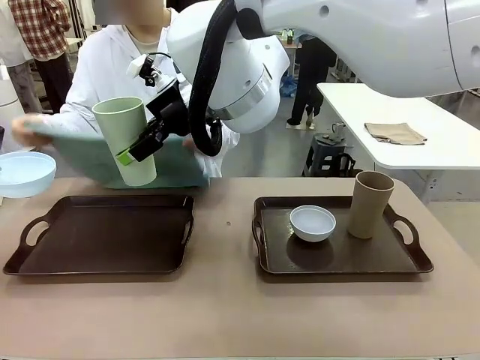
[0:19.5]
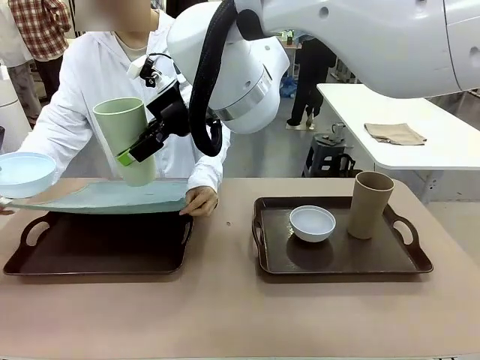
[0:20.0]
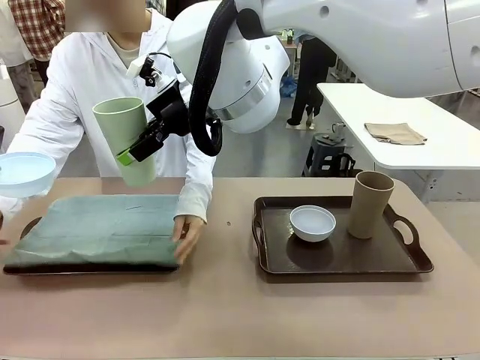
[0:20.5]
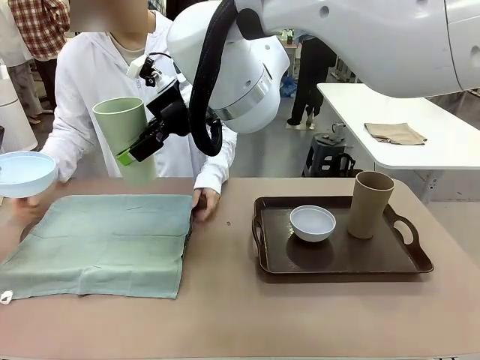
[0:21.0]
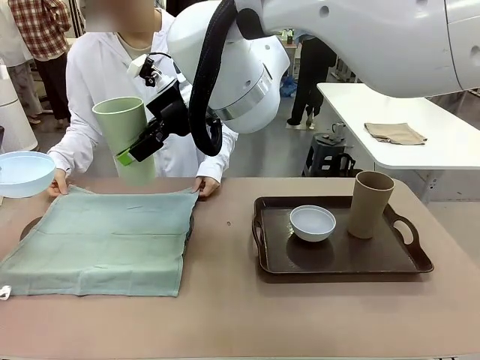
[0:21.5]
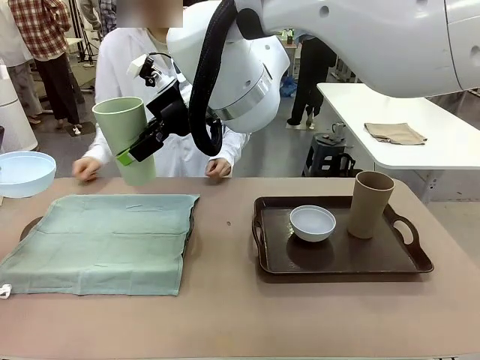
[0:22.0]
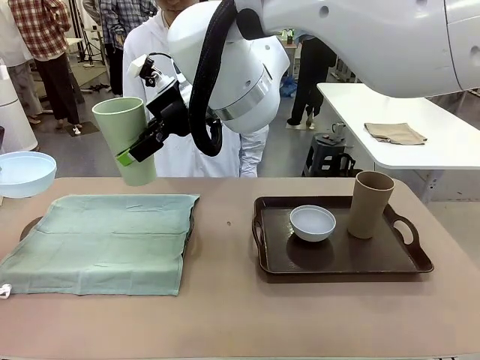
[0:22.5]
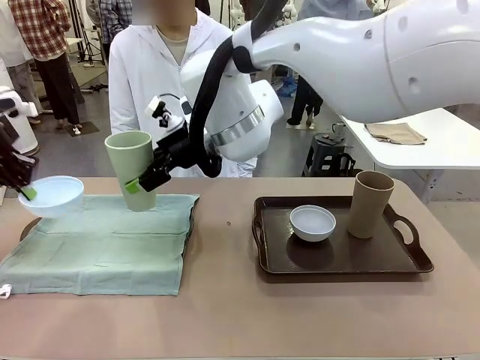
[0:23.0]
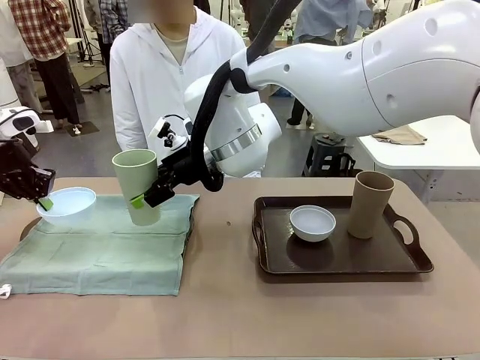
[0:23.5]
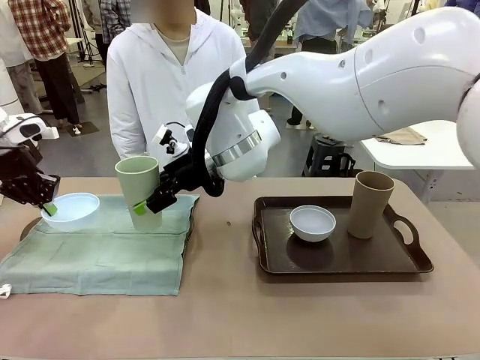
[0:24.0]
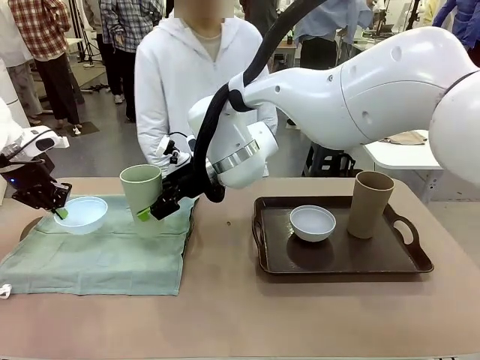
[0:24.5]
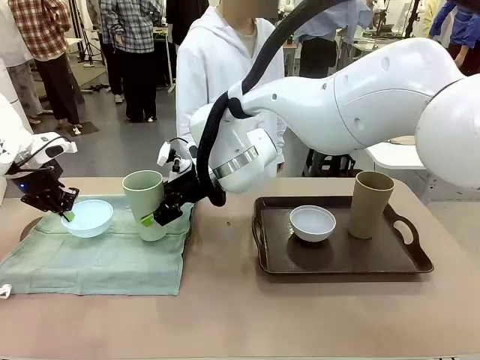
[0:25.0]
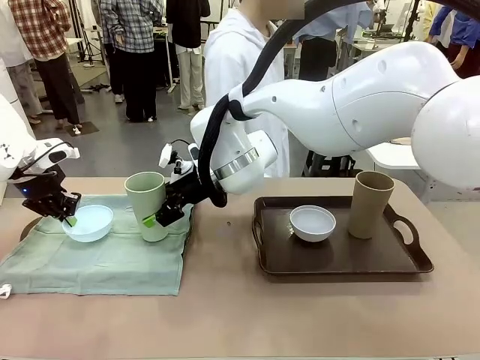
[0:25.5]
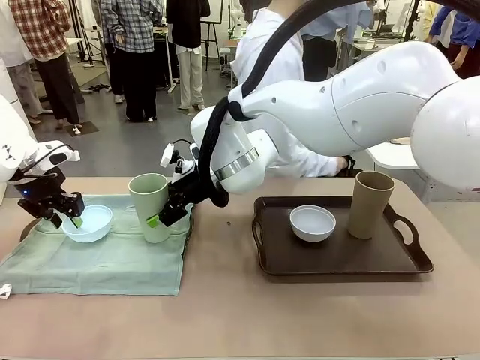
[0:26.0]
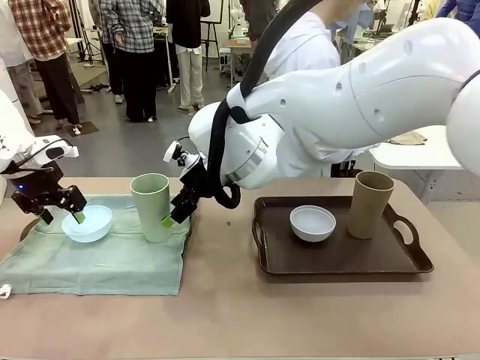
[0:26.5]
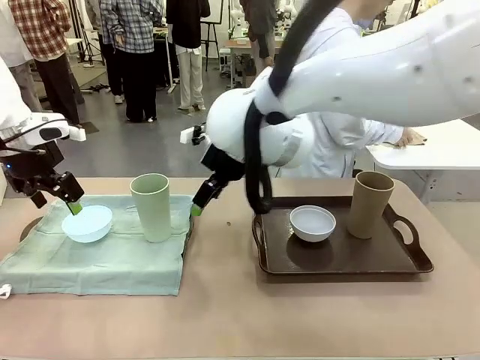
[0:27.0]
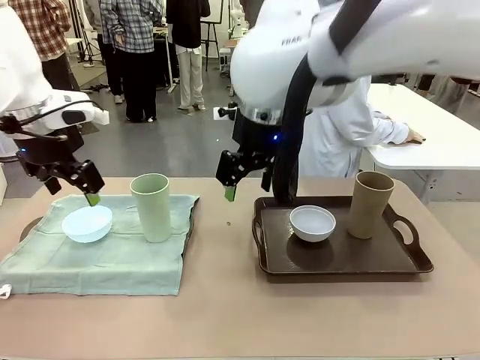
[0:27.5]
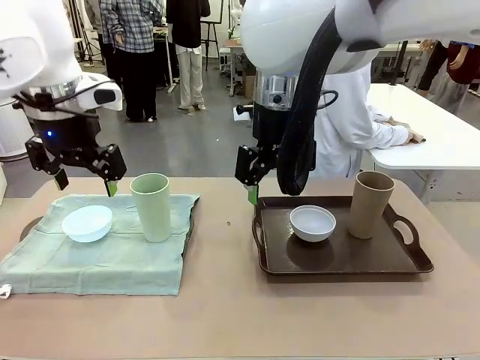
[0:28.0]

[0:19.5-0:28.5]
Robot: Place the Picnic Bowl and Reusable plastic cup back onto the Handle tray in front of the human's position.
Person: The human returns to the human table to pick up another napkin and walks to the robot table to stand in front of the tray without a napkin.

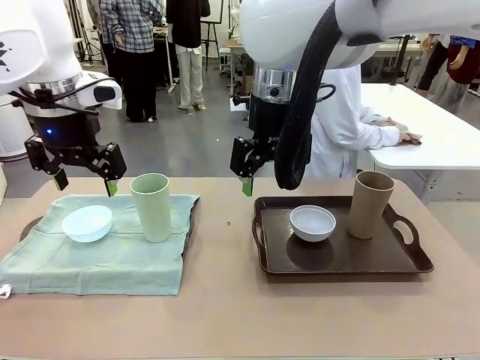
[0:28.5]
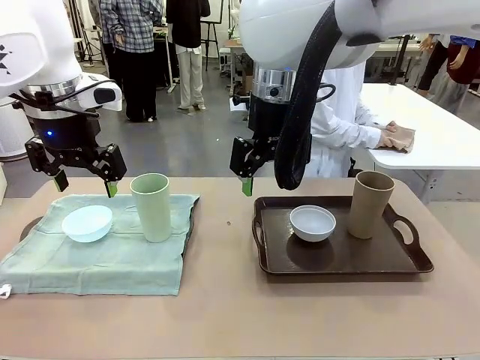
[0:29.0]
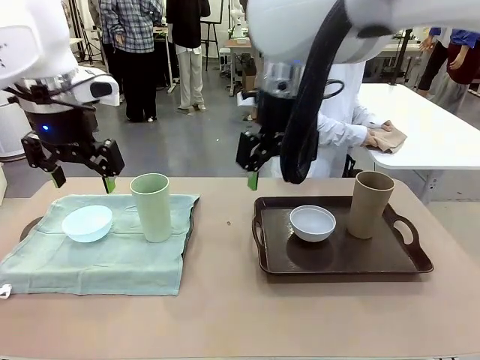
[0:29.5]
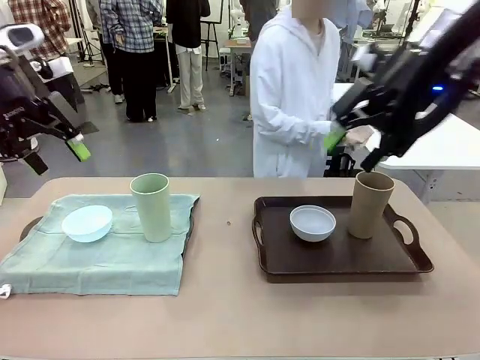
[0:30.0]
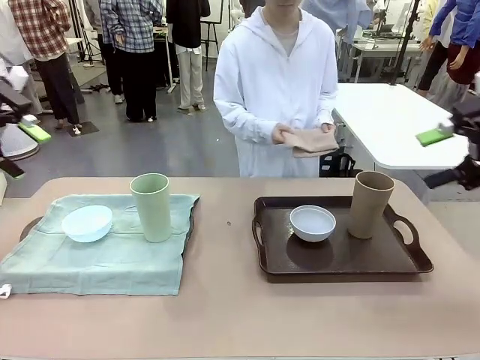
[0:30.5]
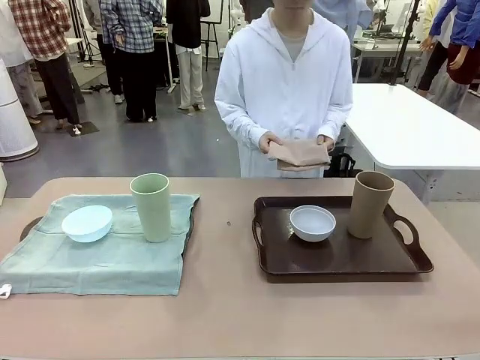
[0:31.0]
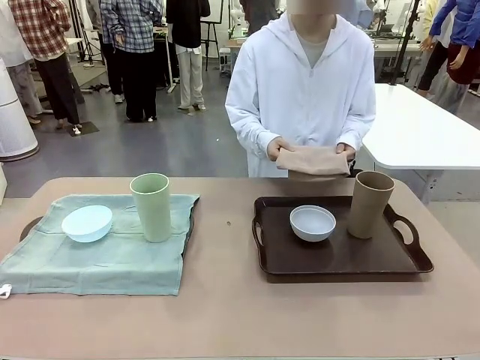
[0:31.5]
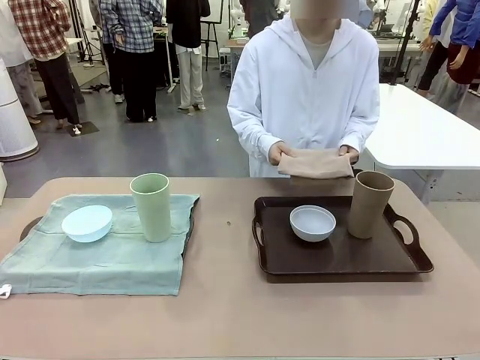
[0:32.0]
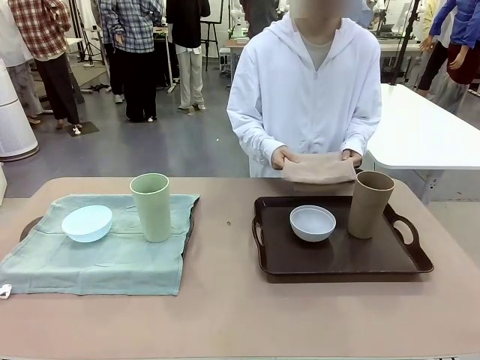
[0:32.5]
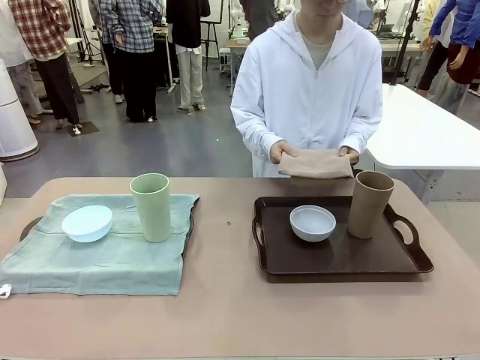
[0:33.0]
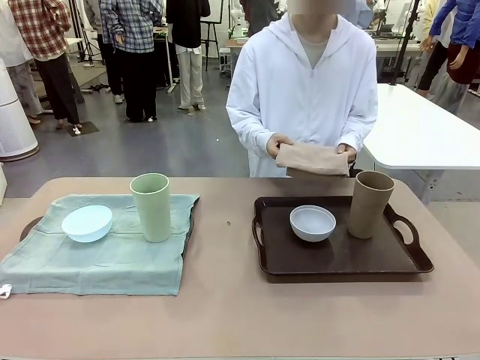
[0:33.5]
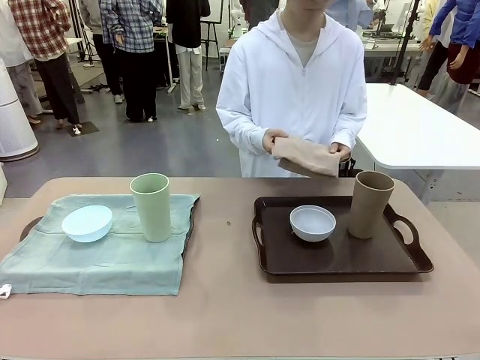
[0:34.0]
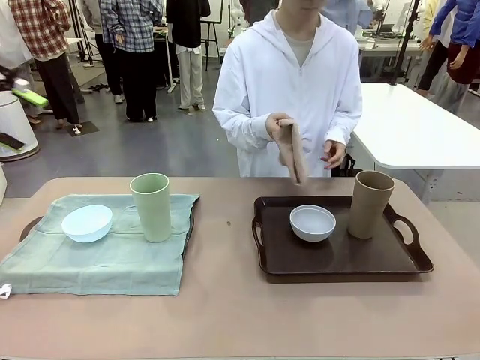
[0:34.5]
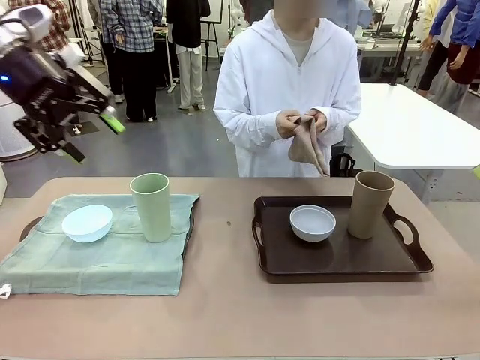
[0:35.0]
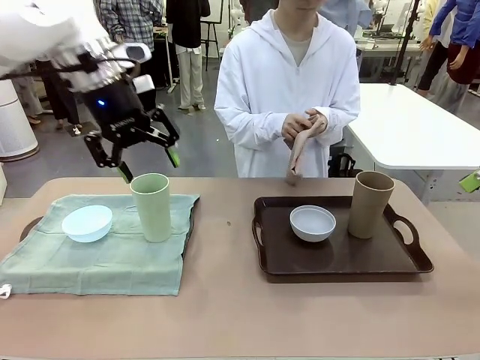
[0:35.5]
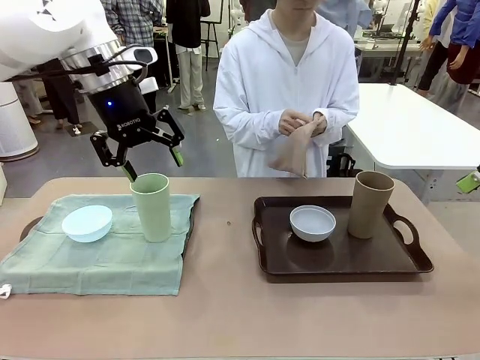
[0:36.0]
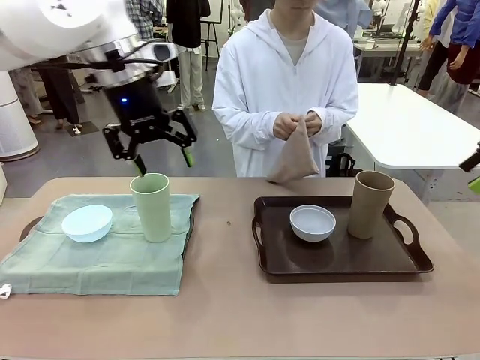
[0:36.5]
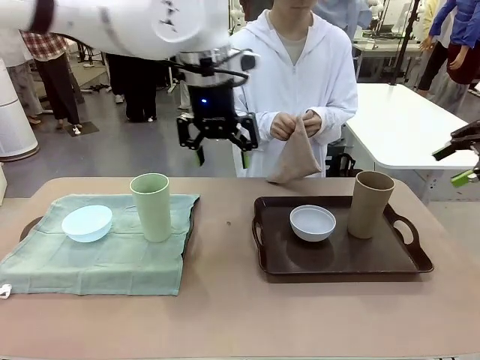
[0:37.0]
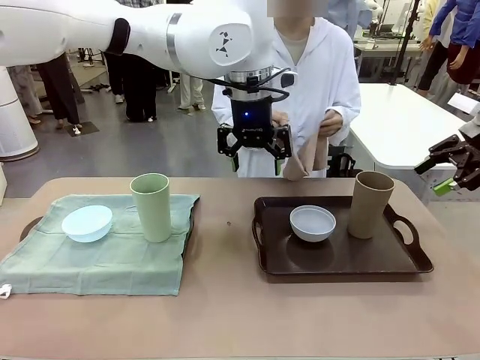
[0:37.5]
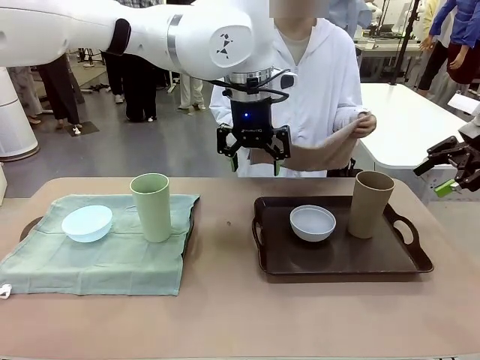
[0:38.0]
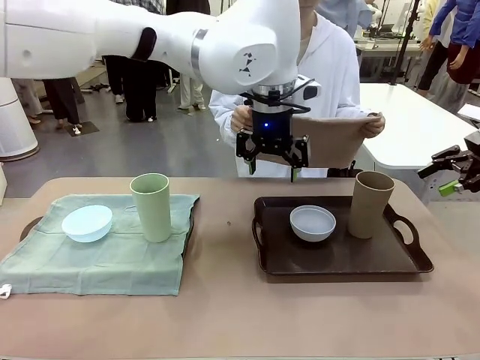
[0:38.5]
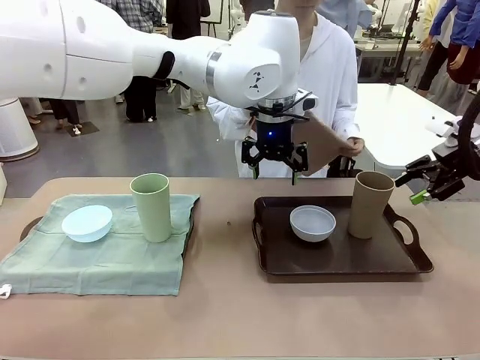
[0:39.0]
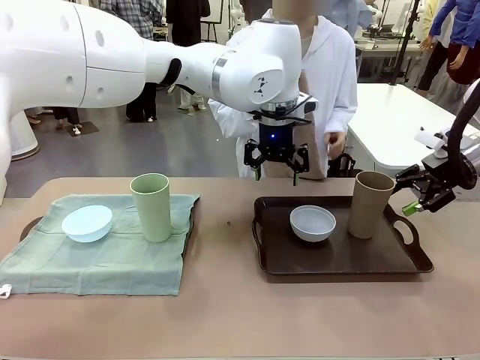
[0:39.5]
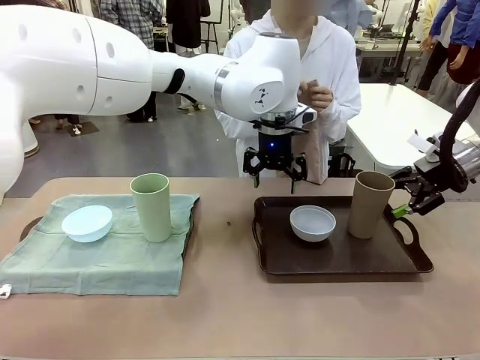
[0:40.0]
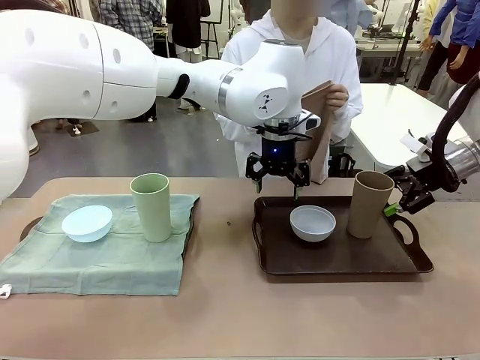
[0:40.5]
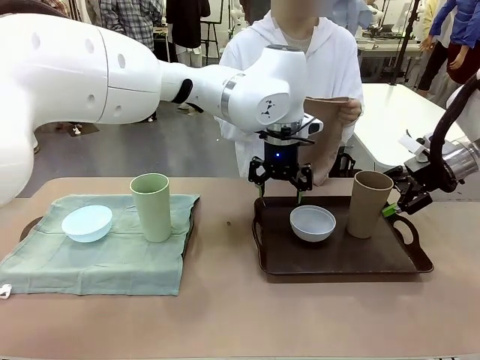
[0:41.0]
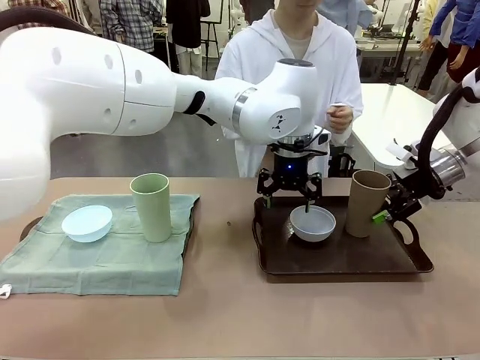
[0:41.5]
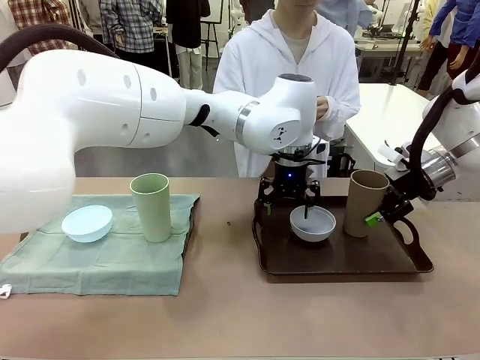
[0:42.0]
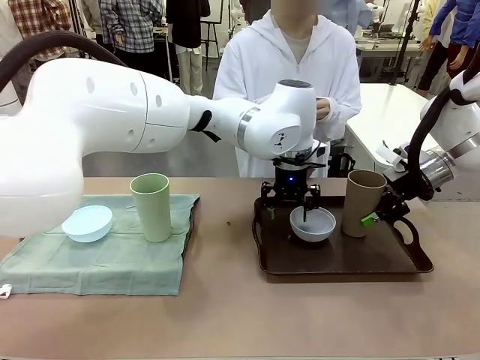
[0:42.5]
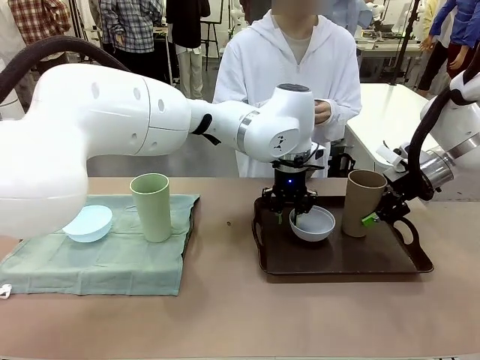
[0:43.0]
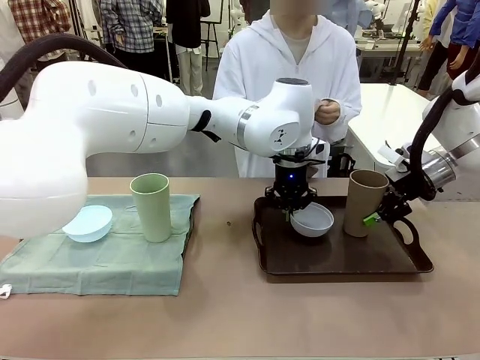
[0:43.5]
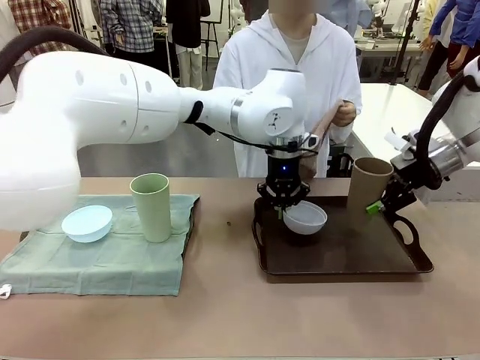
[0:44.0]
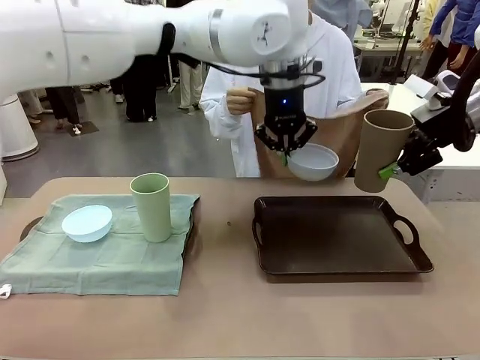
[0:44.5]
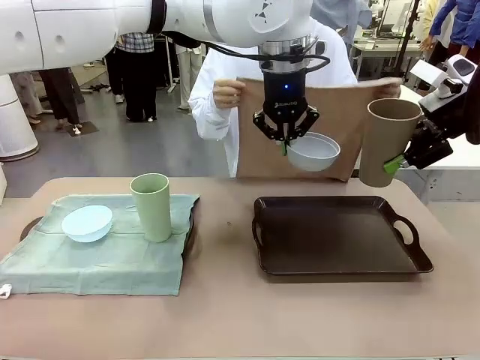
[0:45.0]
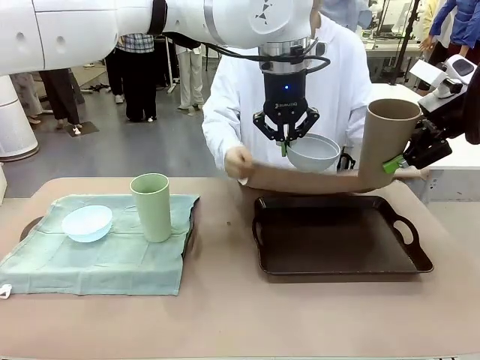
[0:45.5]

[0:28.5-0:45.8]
Robot: Pick up the Picnic Bowl and Reusable plastic cup from the Handle tray in front of the human's position and hold them in the air.
